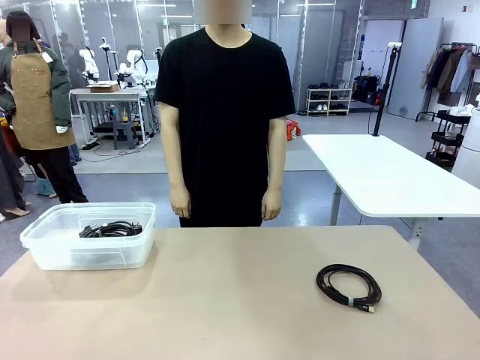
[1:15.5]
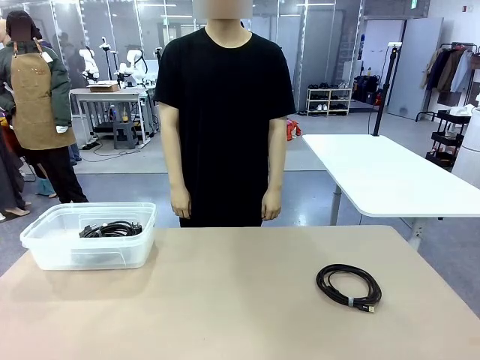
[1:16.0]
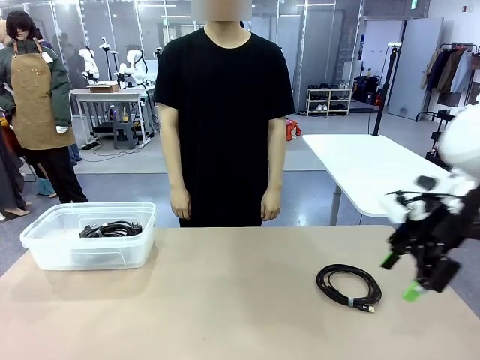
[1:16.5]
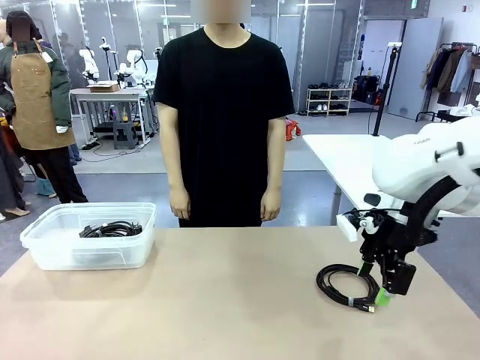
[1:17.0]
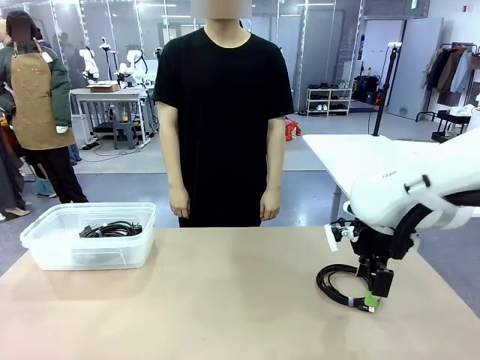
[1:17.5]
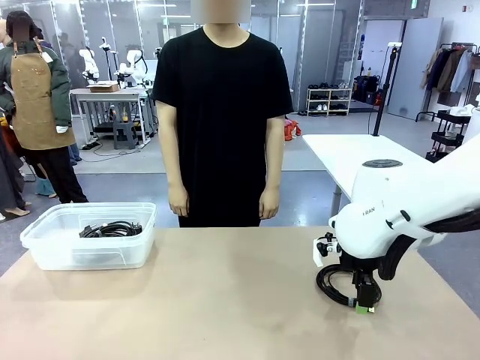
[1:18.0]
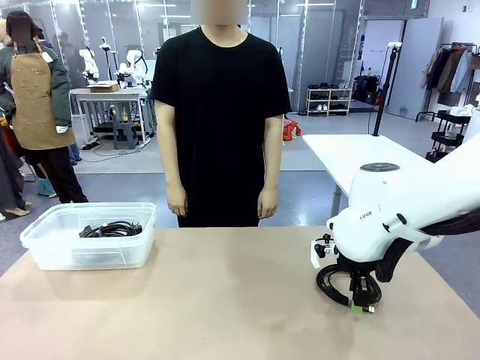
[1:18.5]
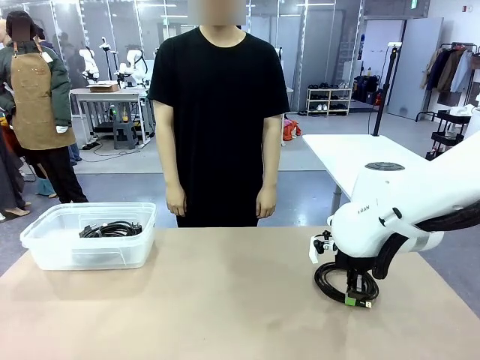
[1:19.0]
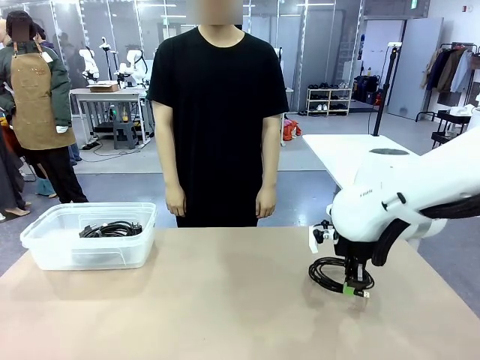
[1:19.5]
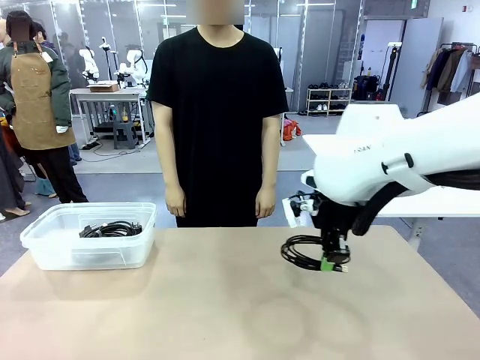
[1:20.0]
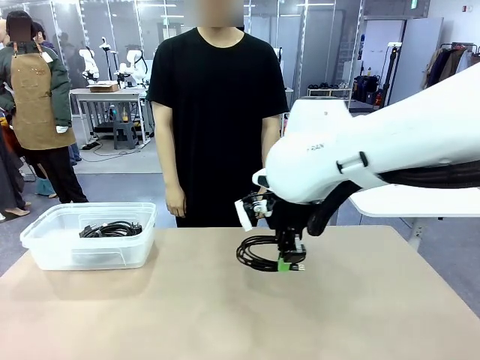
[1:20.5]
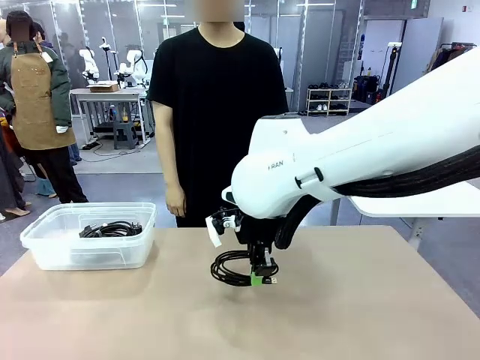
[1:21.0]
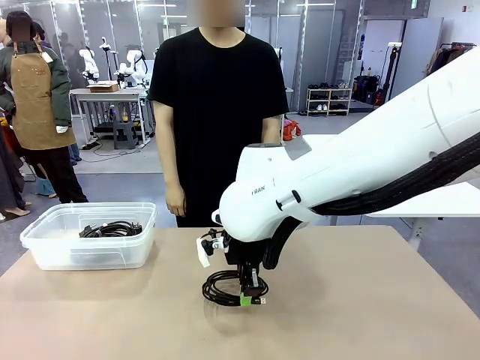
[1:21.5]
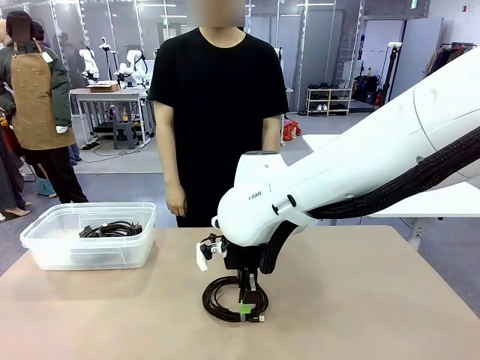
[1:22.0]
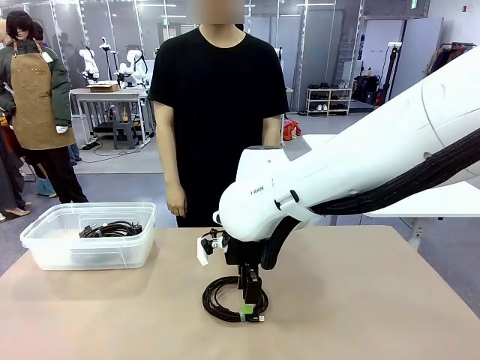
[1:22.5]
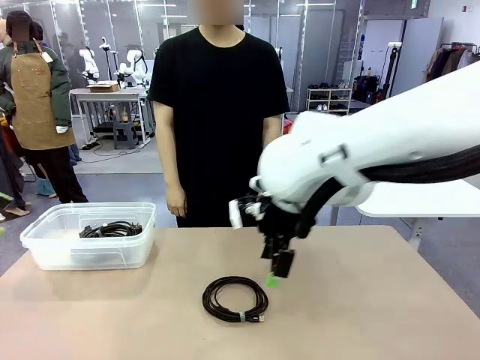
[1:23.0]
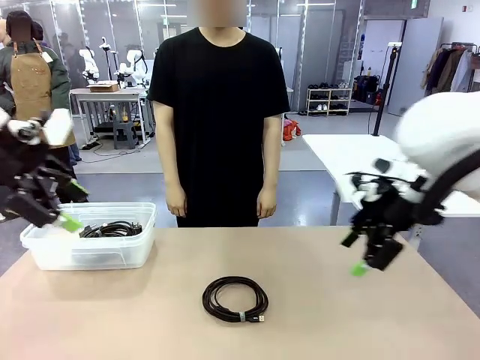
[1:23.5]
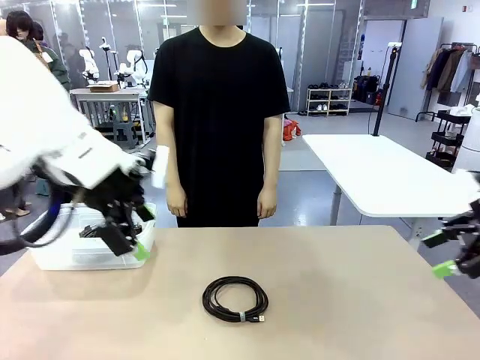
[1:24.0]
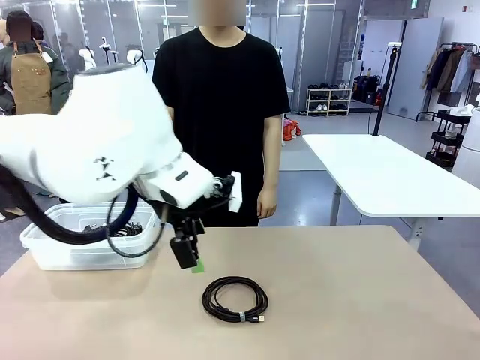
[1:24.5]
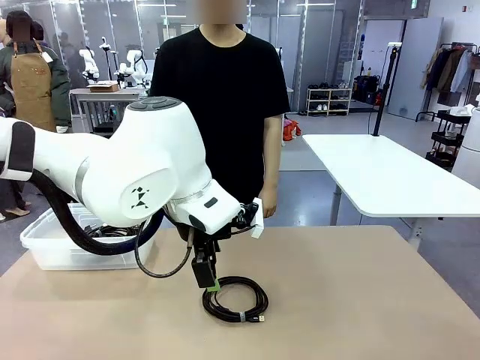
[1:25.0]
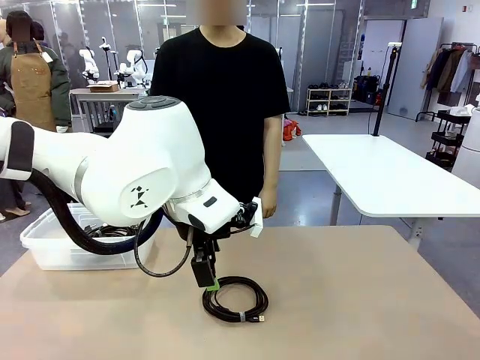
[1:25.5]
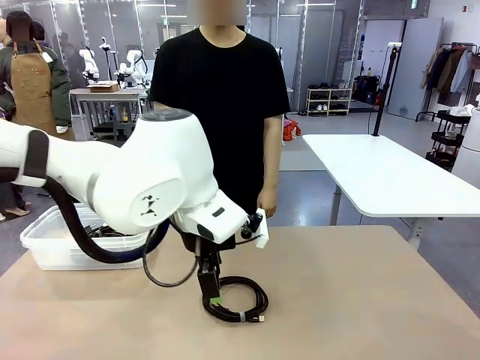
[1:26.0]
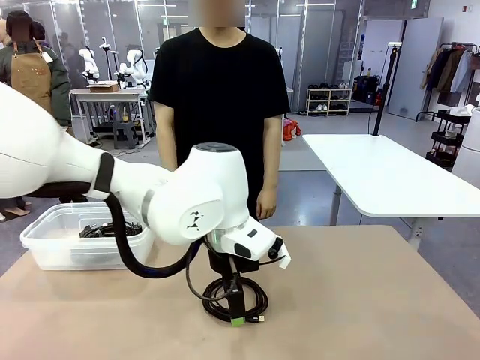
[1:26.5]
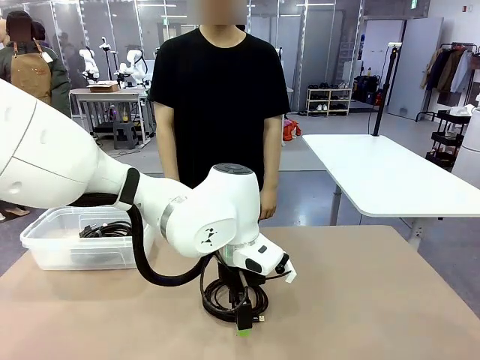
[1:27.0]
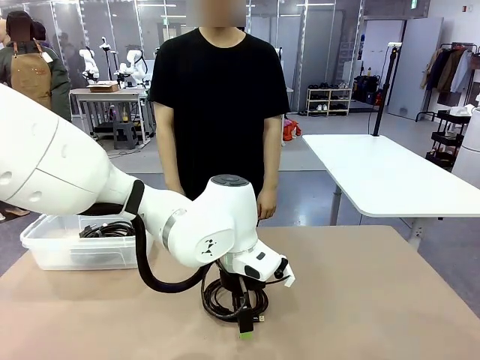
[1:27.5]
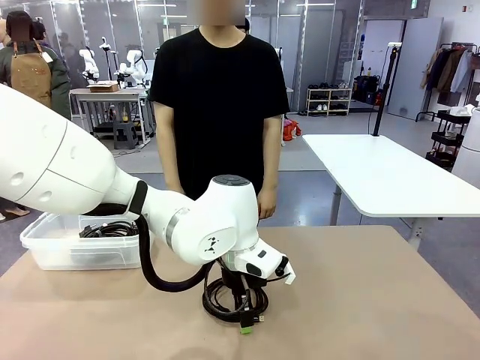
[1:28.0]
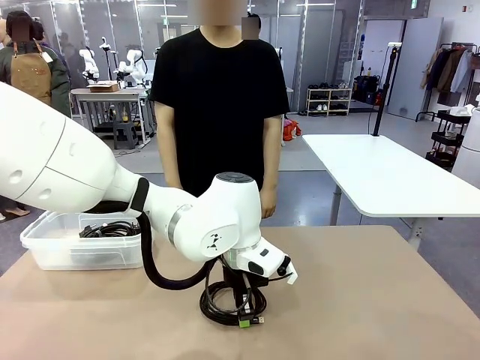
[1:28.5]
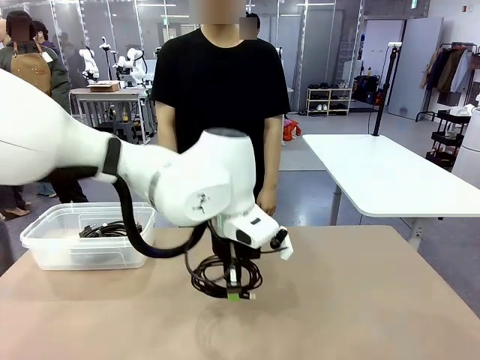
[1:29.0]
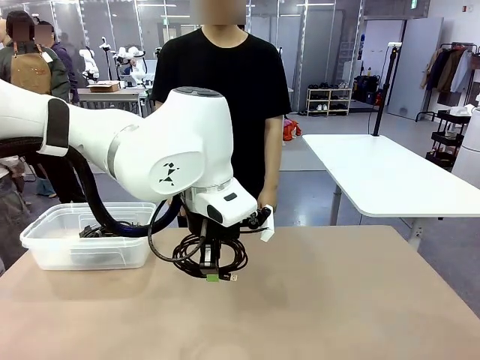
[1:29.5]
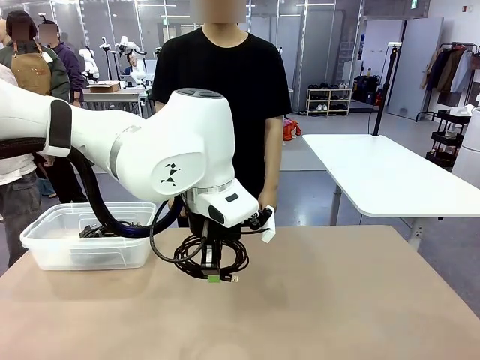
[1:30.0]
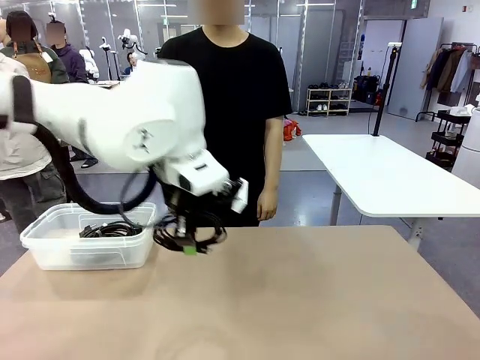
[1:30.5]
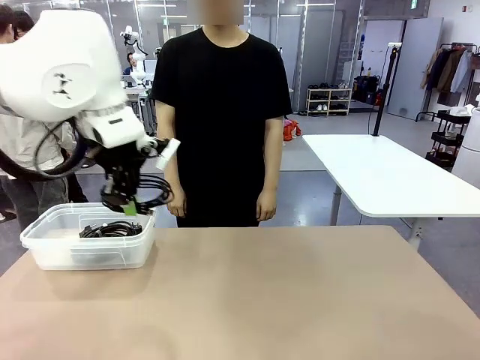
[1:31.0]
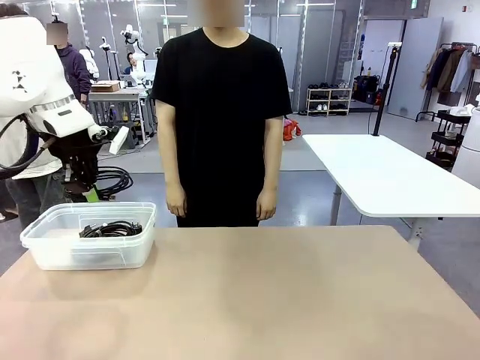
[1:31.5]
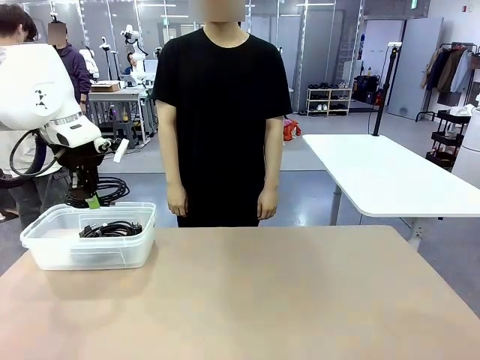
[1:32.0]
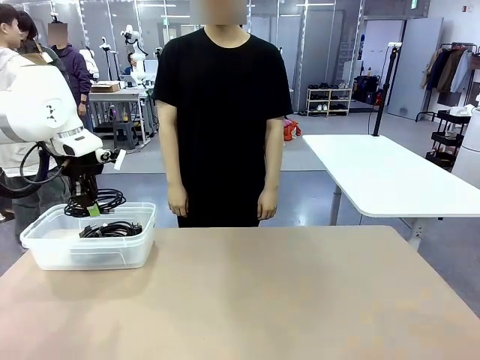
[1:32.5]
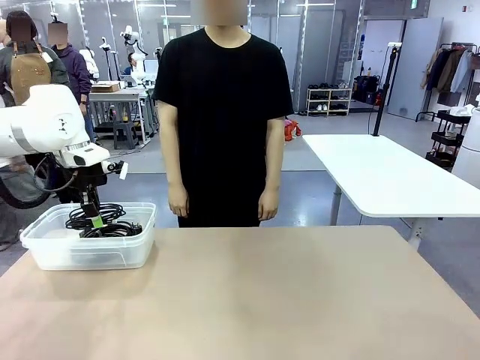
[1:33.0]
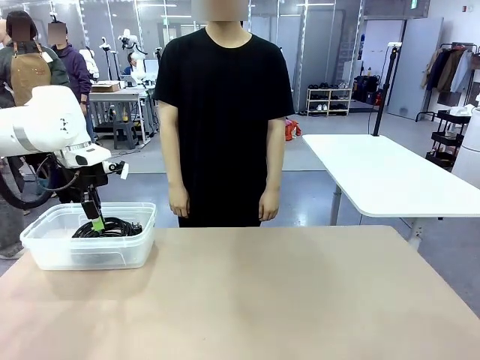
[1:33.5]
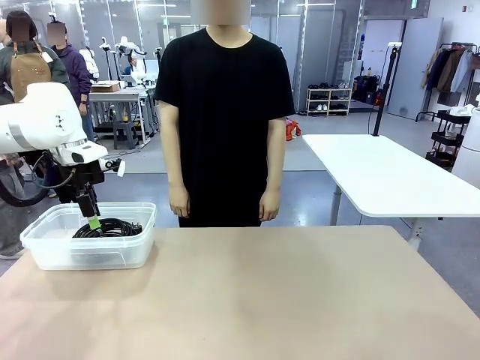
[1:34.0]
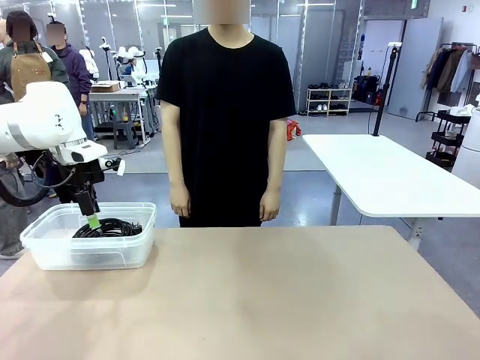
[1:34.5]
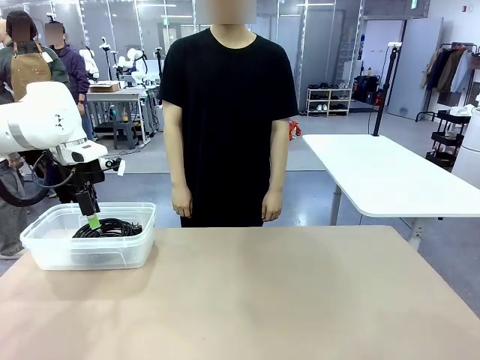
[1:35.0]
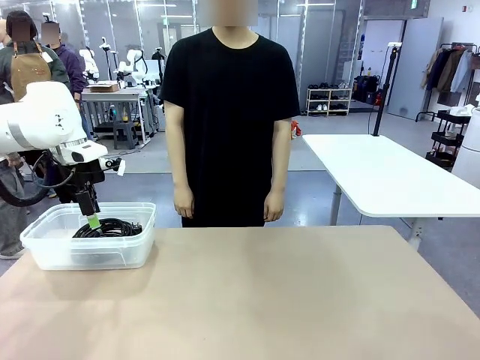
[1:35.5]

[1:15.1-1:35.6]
Task: Organize and store the cables.
Robot: Place the USB Extension Cable into the Organizing box.

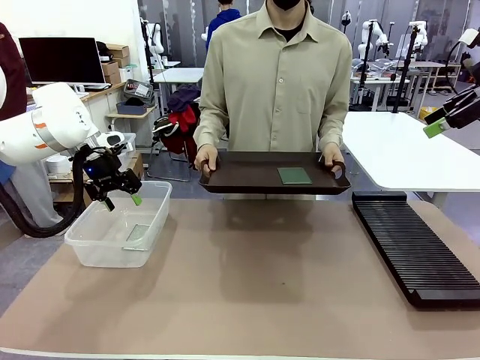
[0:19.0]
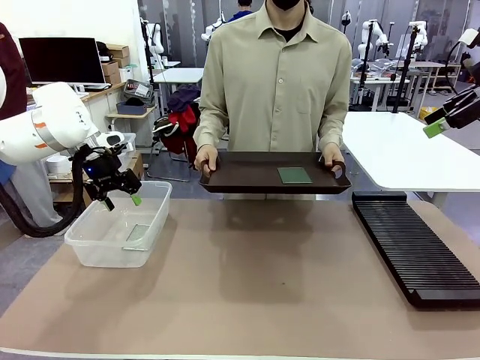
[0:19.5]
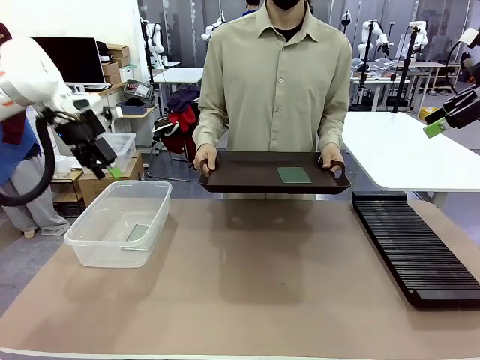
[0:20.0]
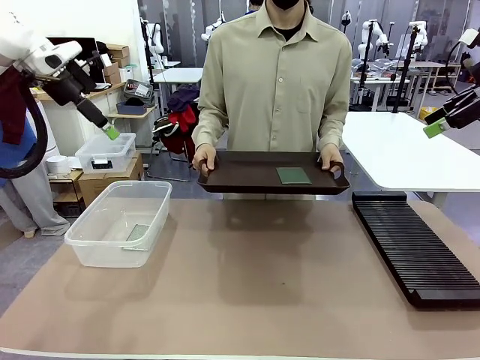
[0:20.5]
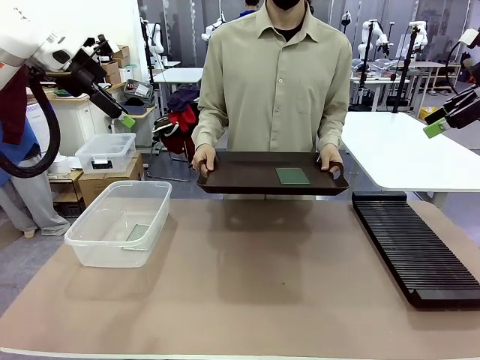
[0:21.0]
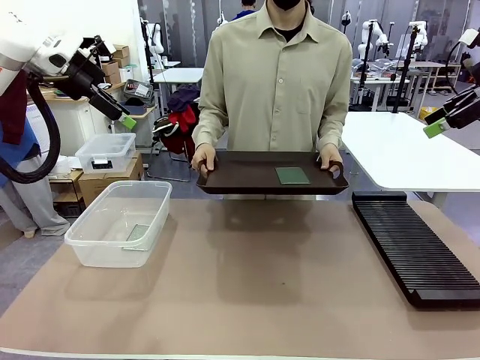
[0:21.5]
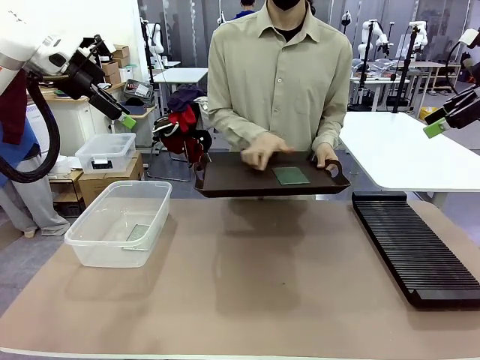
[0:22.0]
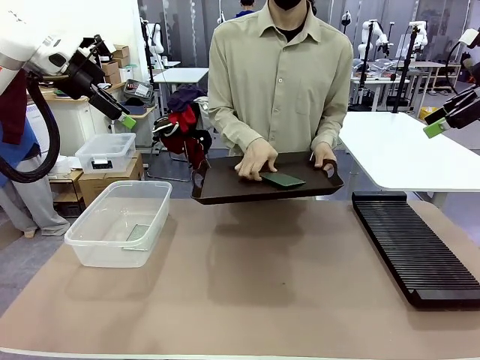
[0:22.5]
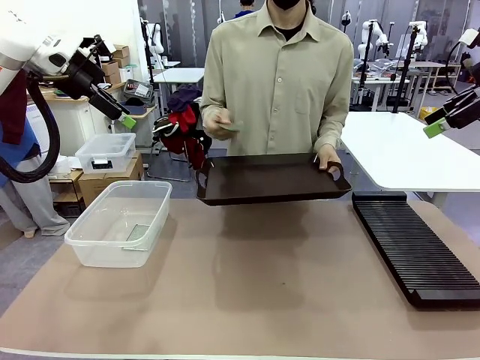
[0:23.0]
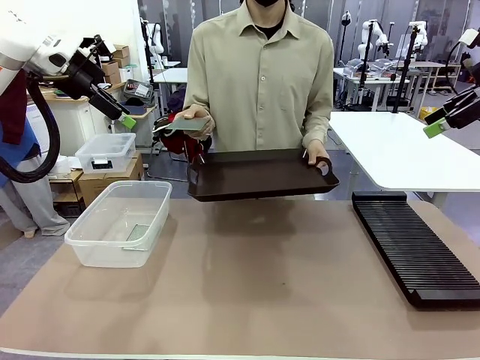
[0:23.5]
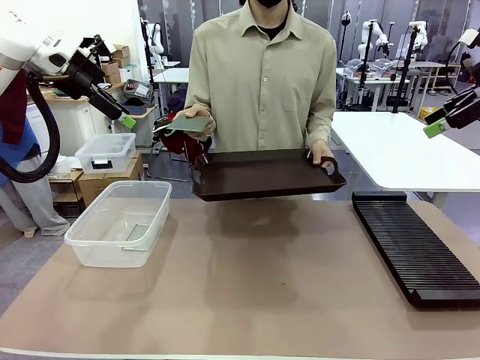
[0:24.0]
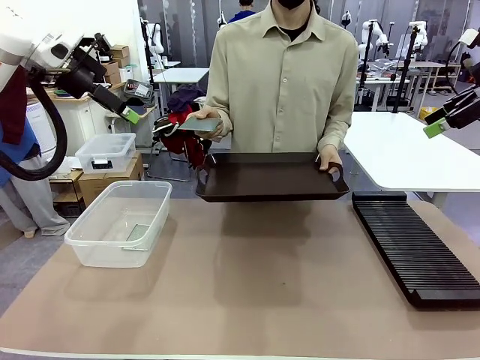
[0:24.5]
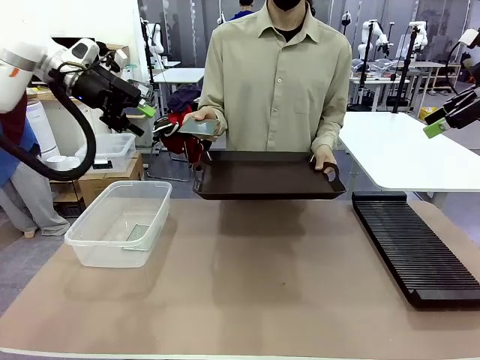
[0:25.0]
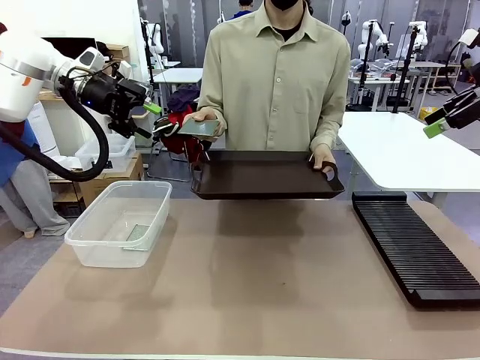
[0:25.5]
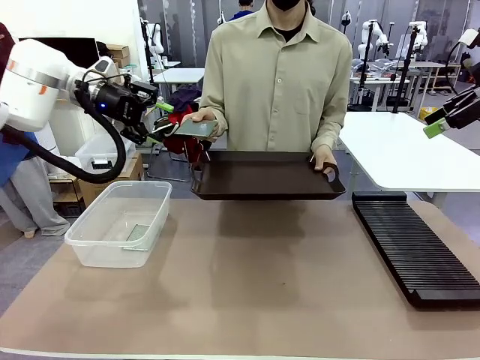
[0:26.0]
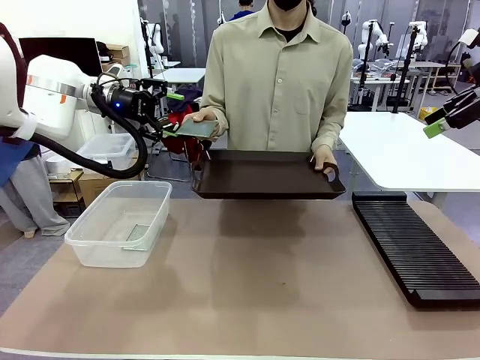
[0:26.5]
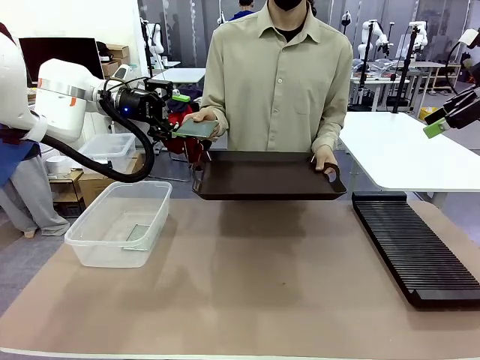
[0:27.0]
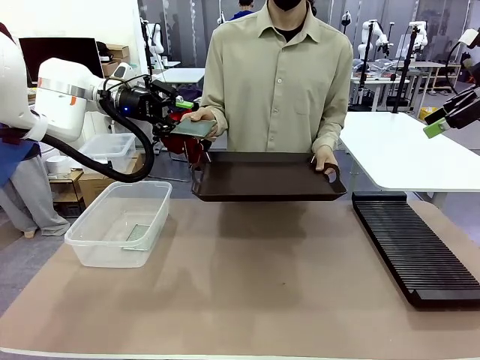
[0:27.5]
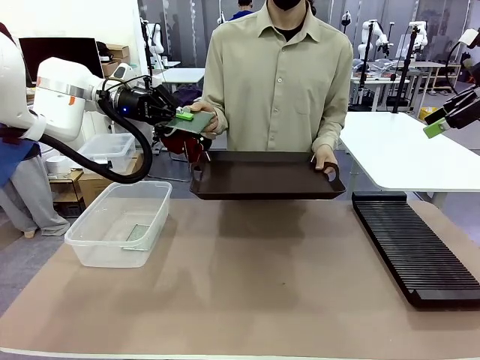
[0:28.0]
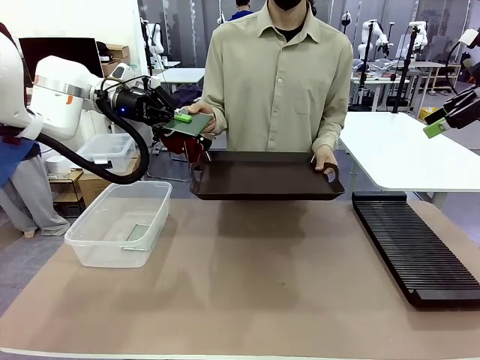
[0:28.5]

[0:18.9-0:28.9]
Task: Sort PCBs into racks and boxes based on the side picked up.
Robot: Pick up the Blank PCB handed by the Human.
